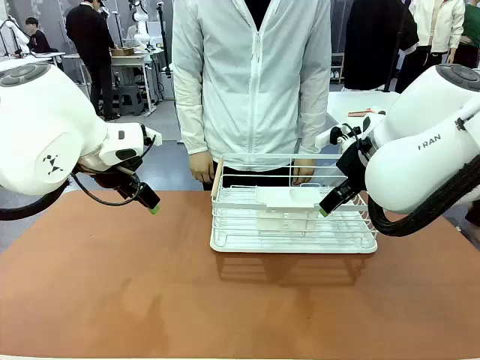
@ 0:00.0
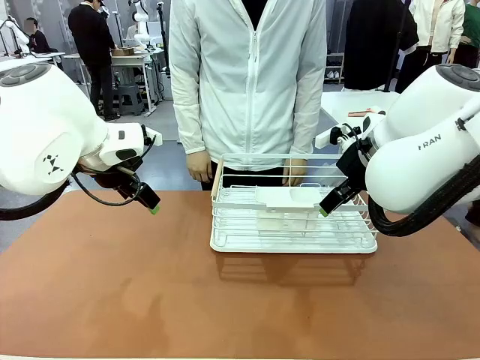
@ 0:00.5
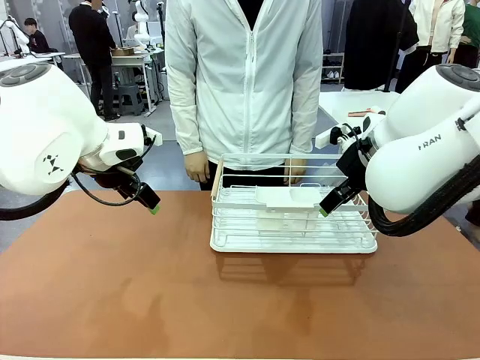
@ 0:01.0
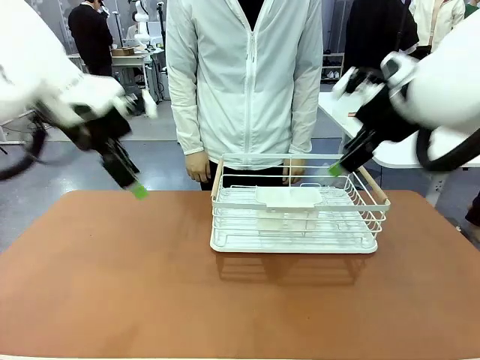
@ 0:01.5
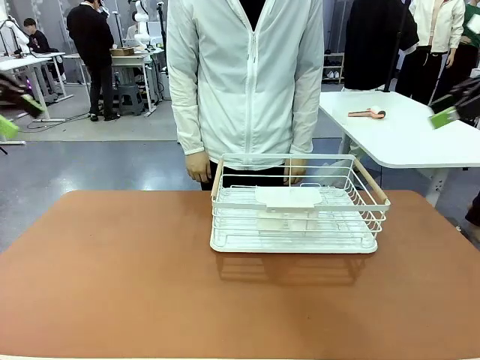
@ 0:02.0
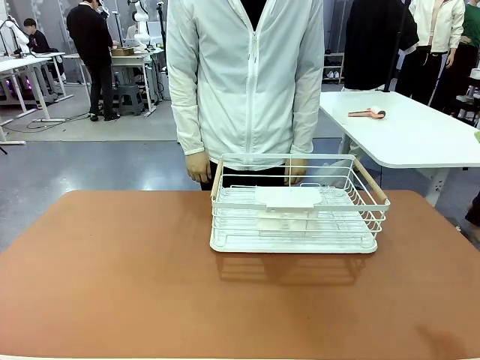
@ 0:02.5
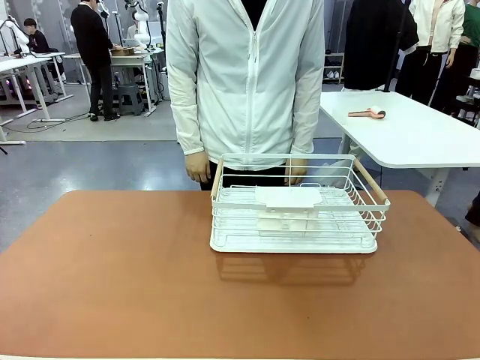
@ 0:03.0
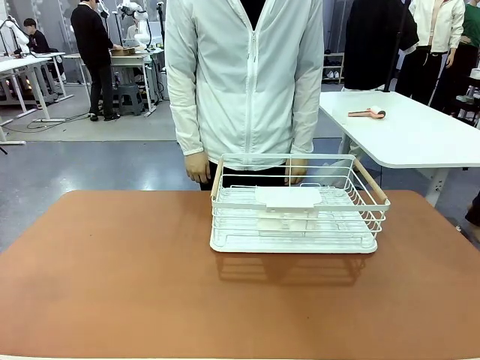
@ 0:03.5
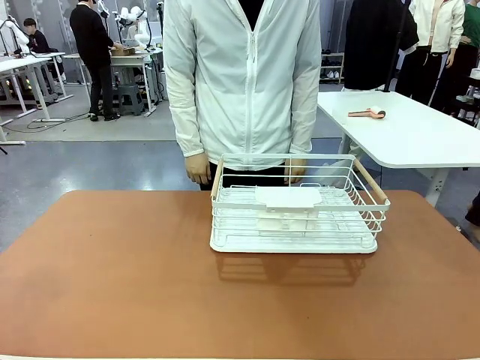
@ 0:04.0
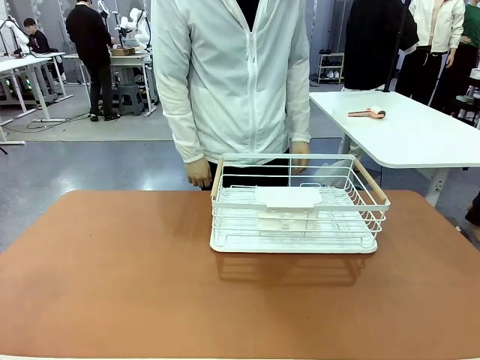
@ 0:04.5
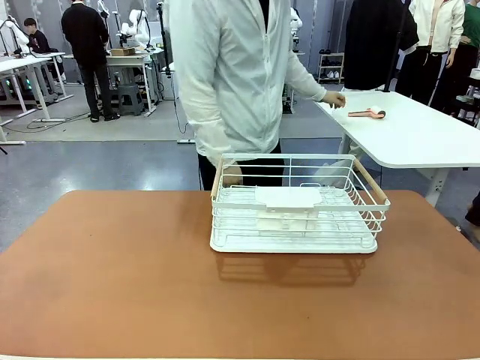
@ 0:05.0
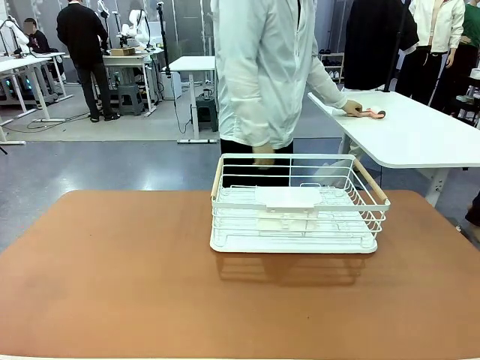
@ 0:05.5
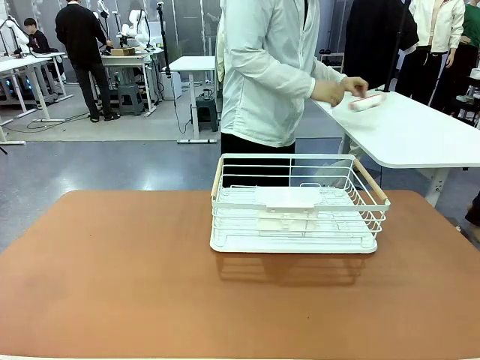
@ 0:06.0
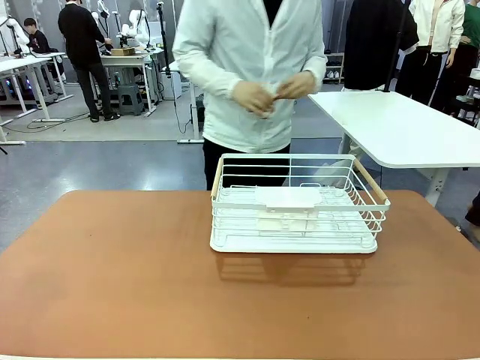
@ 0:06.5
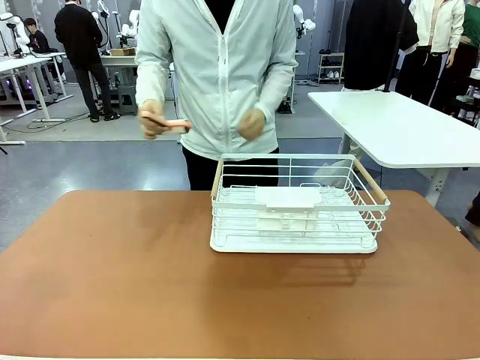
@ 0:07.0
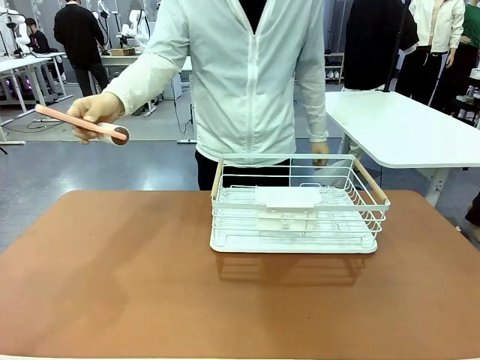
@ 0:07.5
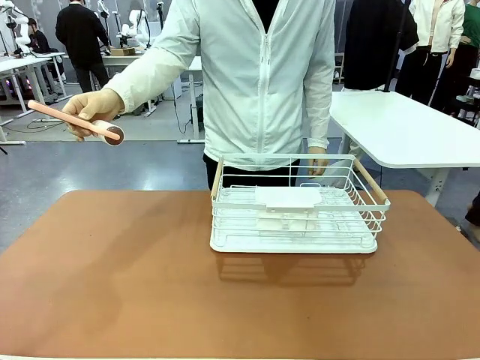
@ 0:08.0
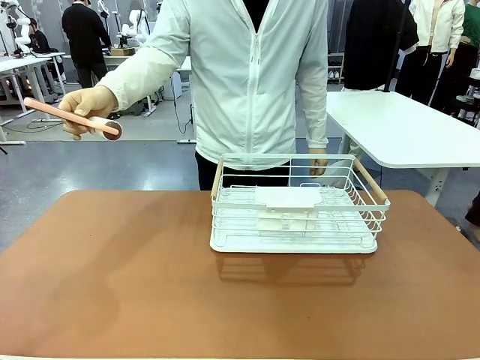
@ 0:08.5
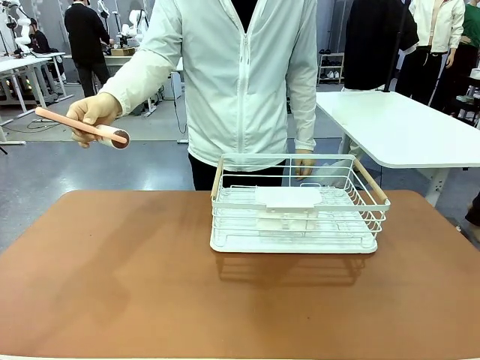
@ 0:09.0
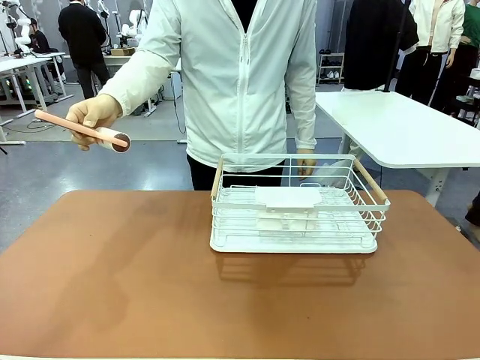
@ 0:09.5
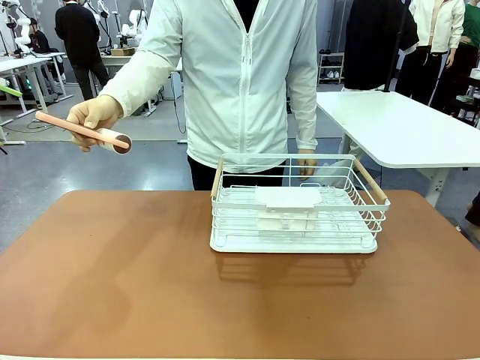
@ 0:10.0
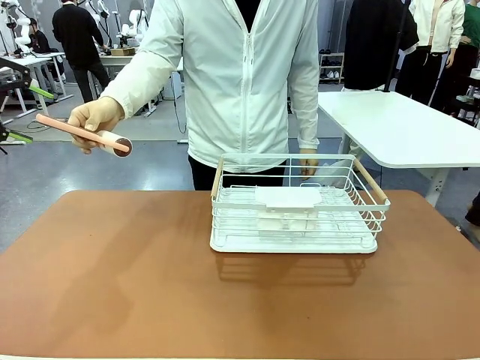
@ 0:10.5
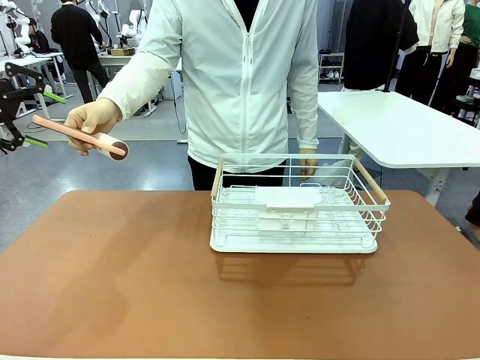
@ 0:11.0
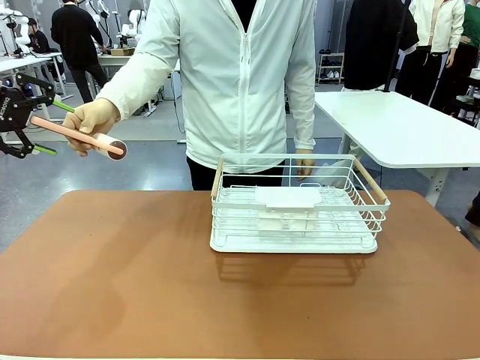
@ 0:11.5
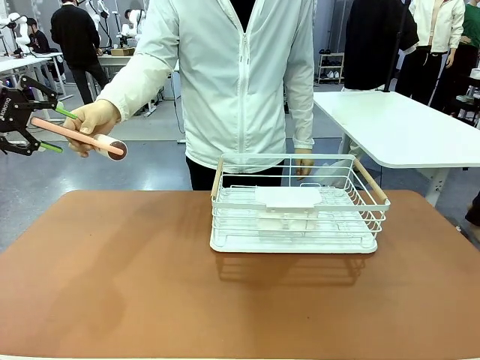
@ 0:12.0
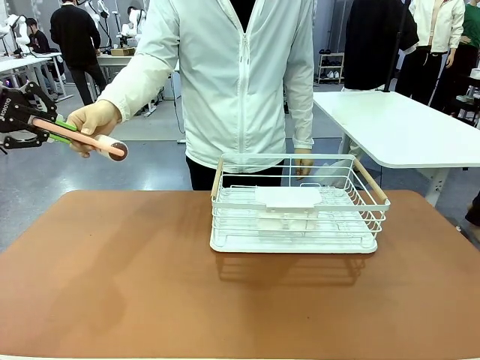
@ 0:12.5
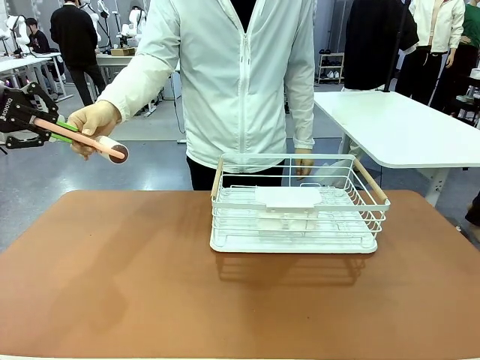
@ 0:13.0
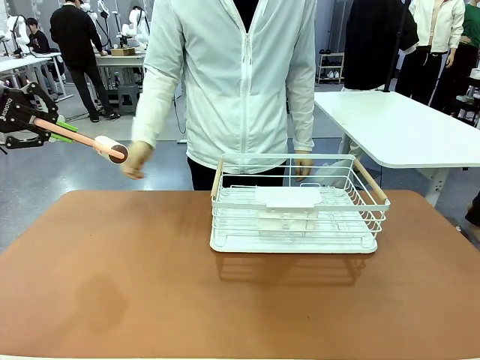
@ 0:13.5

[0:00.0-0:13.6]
Task: Clean the table.
Robot: Pick up the Lint Roller when the human hands it over.
Person: Hand the Lint Roller to the robot so it can easily pick it up. Lift the Dish drying rack.

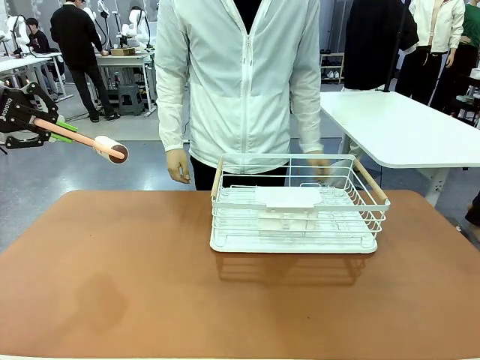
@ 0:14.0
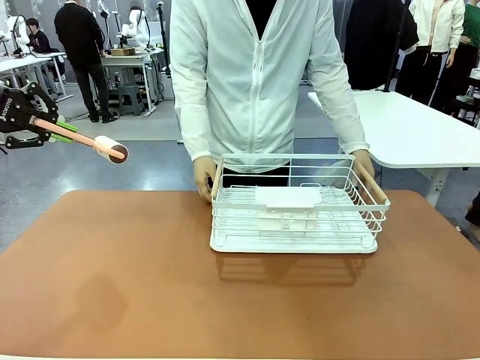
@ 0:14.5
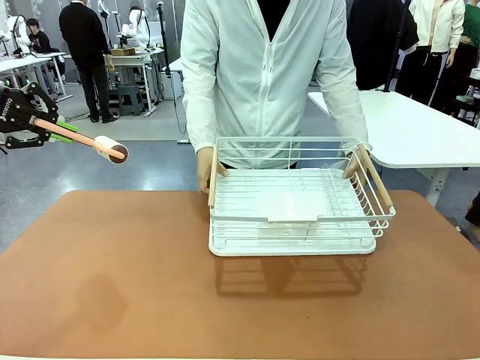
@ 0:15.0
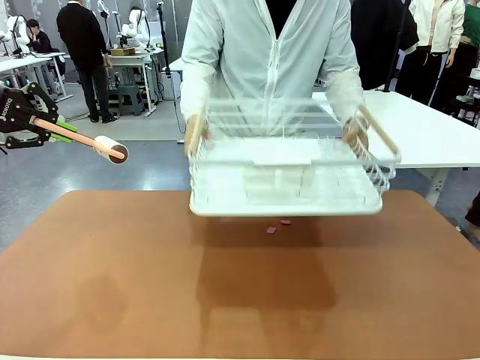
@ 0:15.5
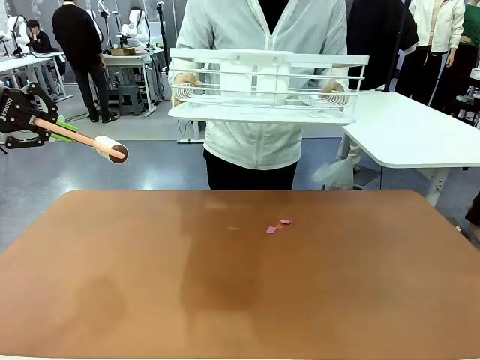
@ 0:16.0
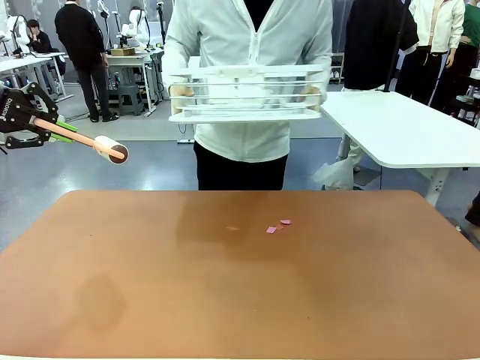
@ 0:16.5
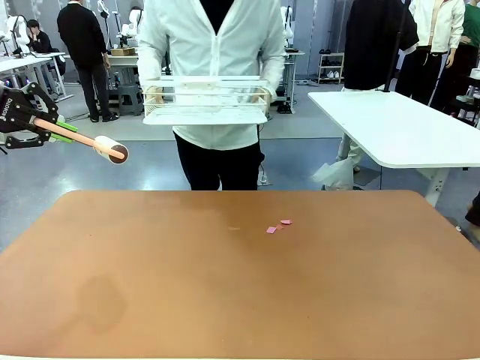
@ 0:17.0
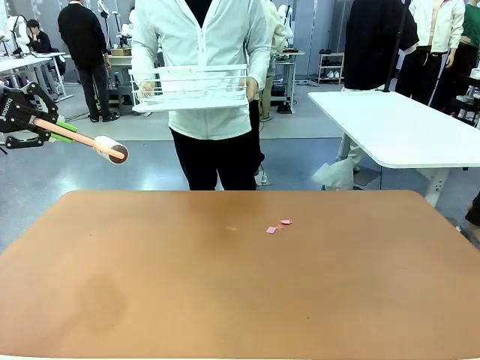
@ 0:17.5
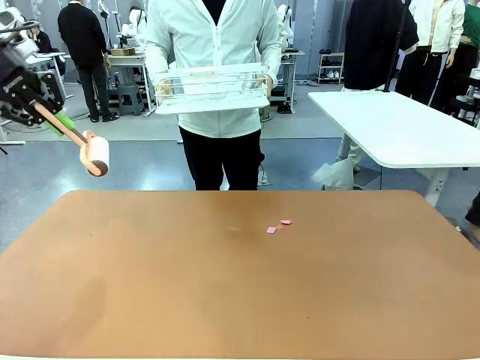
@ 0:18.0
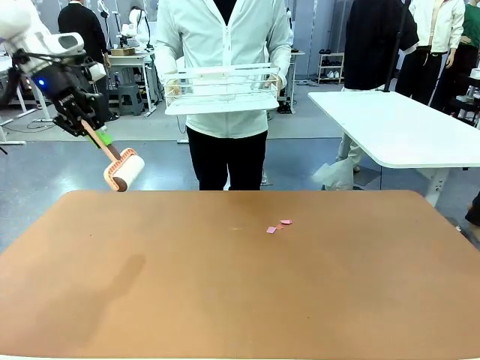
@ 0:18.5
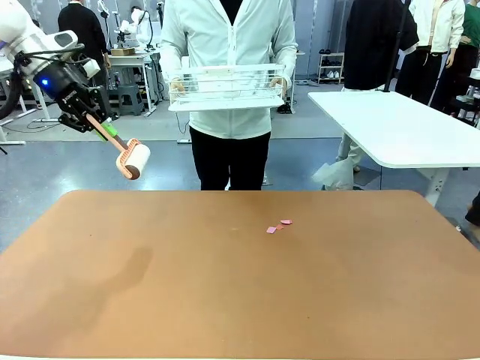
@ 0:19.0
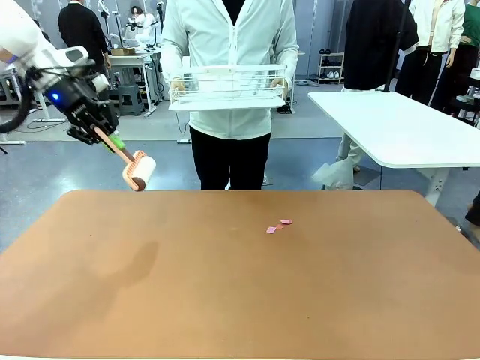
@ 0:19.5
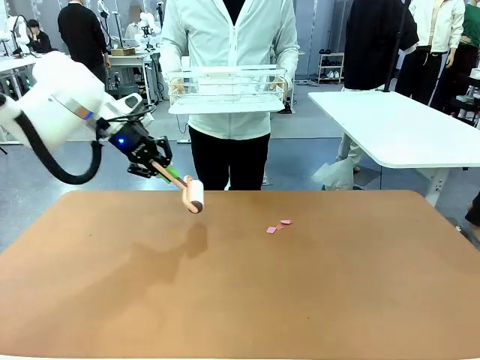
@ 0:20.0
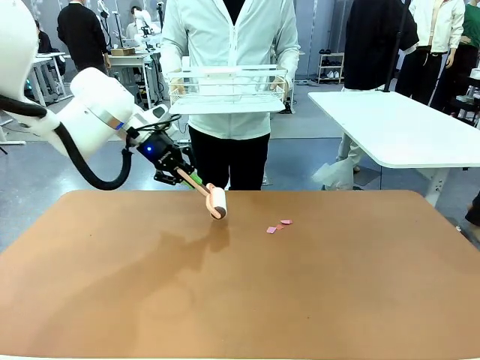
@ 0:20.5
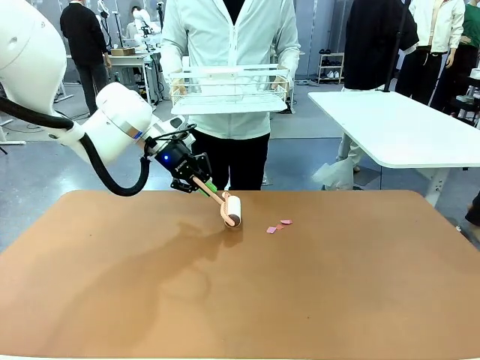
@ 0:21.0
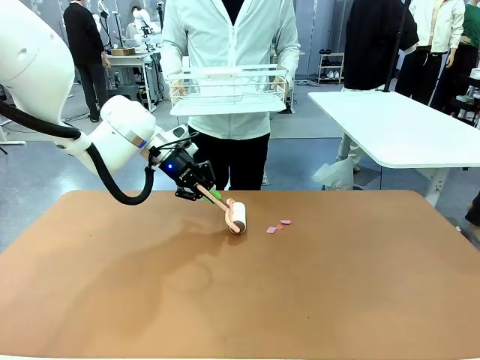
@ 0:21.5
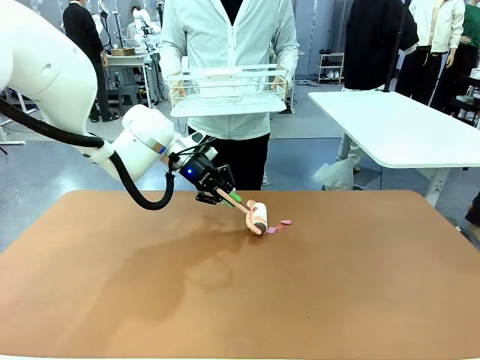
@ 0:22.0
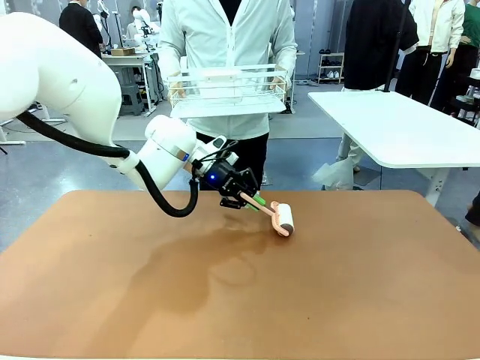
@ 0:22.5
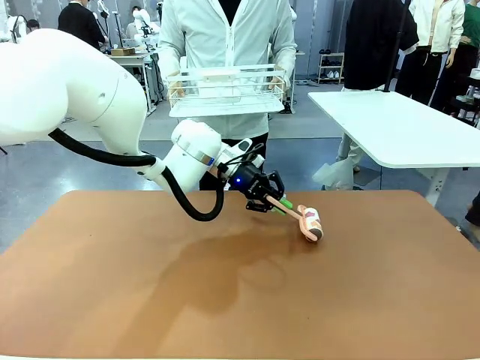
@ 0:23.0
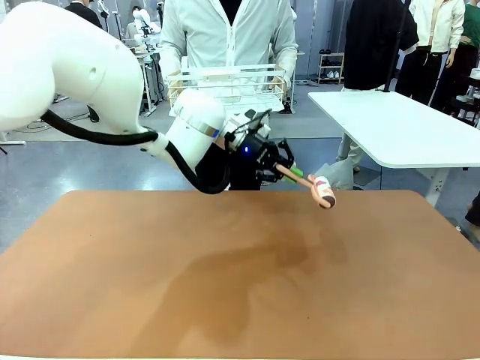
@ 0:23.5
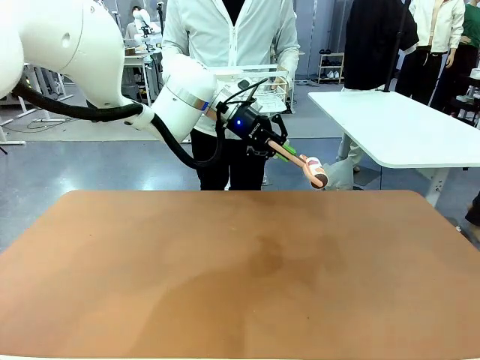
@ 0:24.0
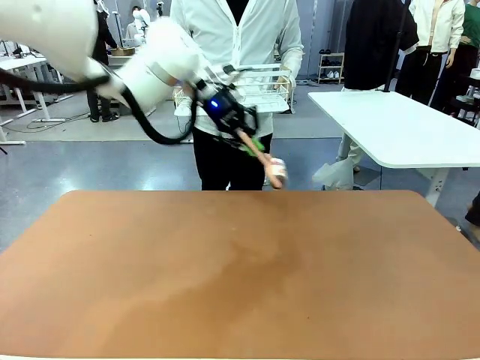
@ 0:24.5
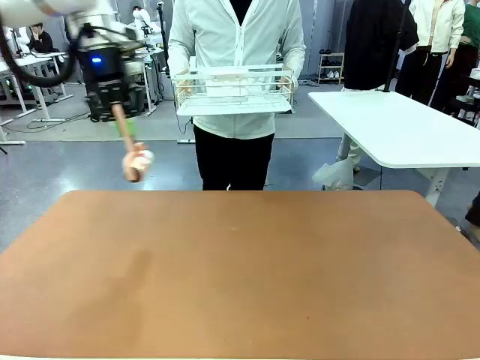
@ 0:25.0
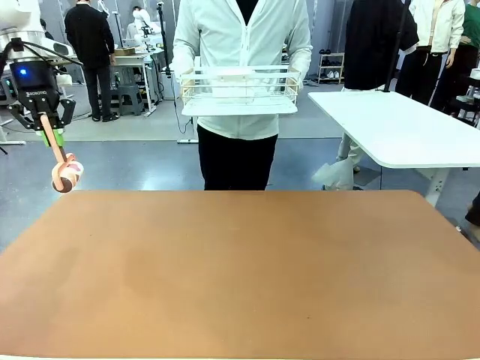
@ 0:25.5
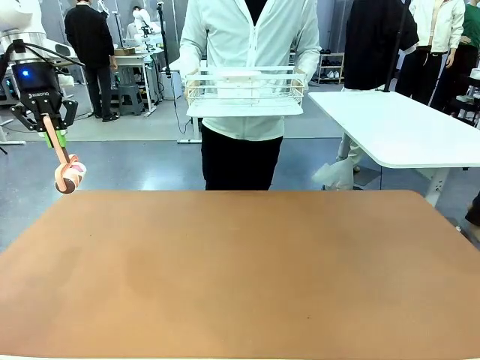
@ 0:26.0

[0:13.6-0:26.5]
Robot: Clean the table with the Lint Roller when the human lifts the Dish drying rack.
Person: Place the Dish drying rack down when the robot finishes cleaning.
